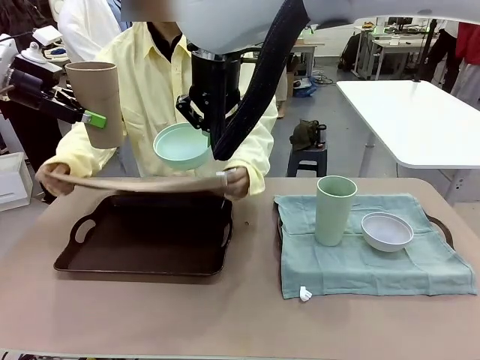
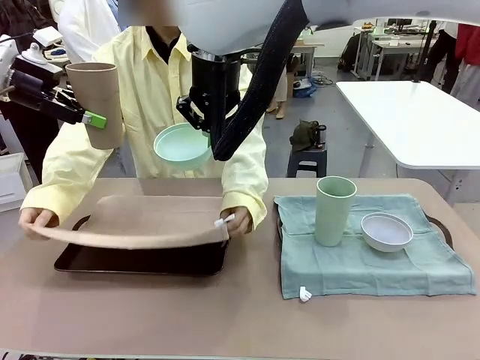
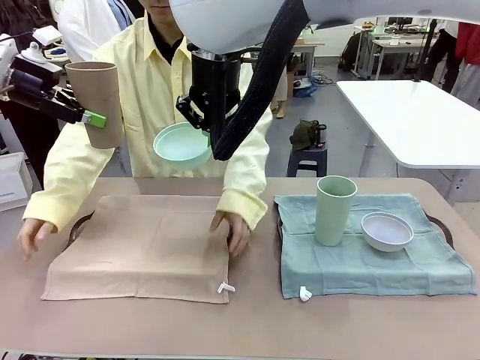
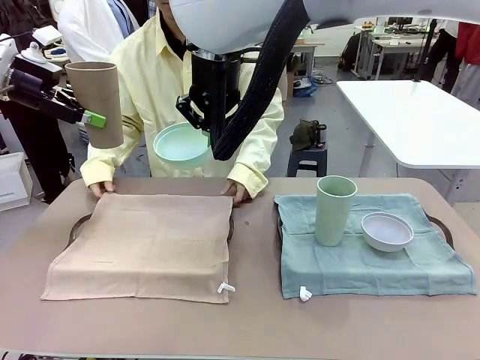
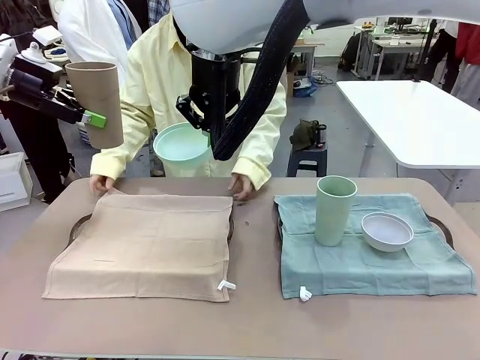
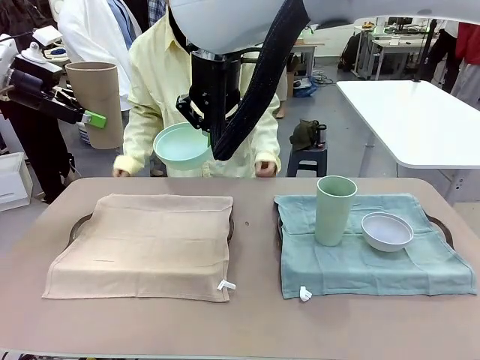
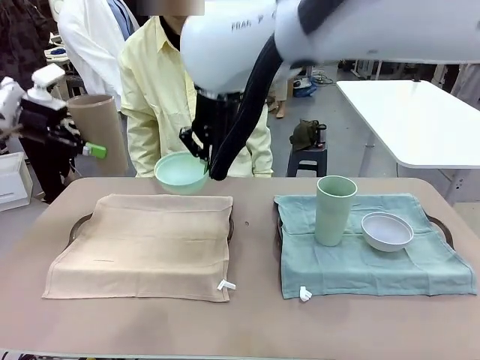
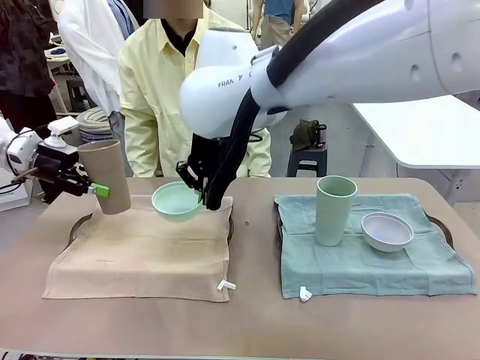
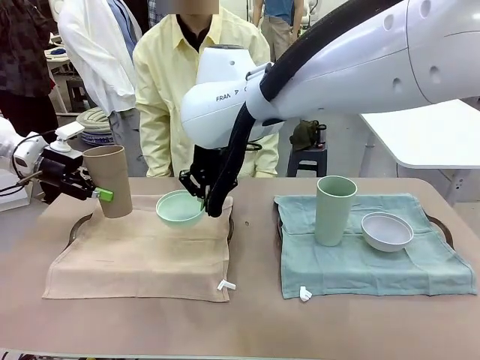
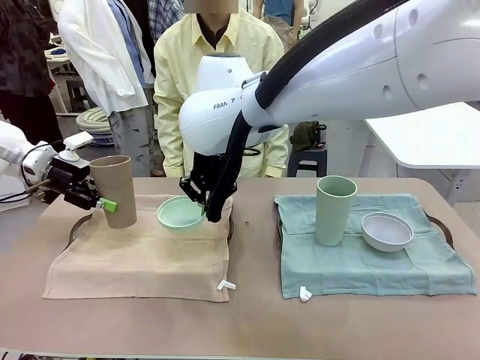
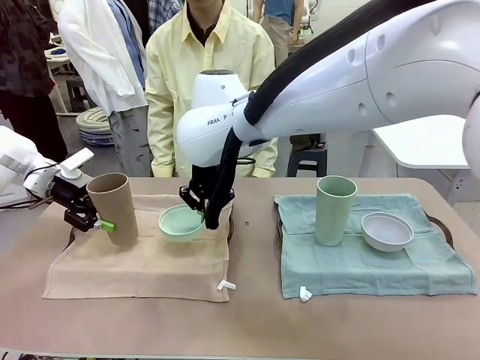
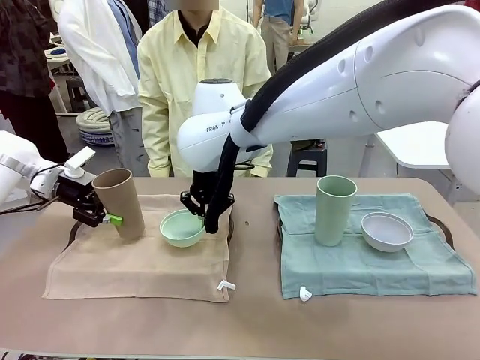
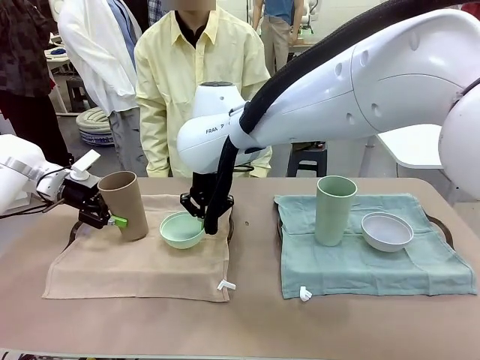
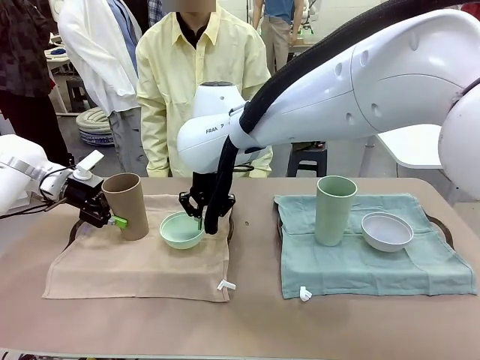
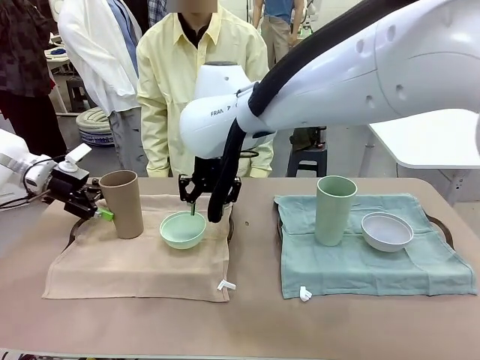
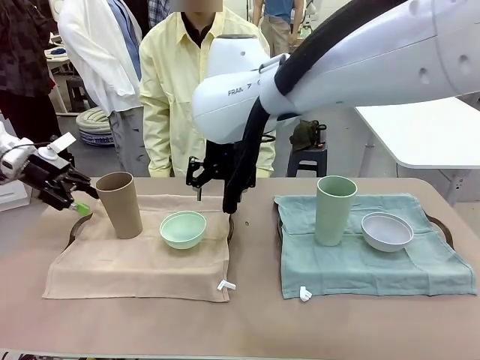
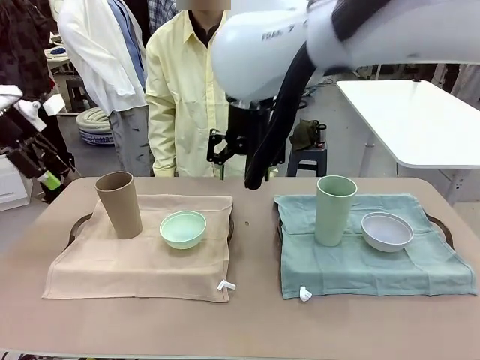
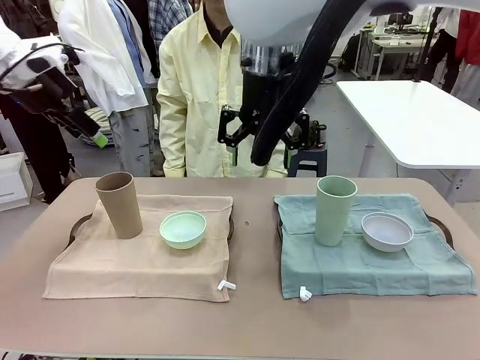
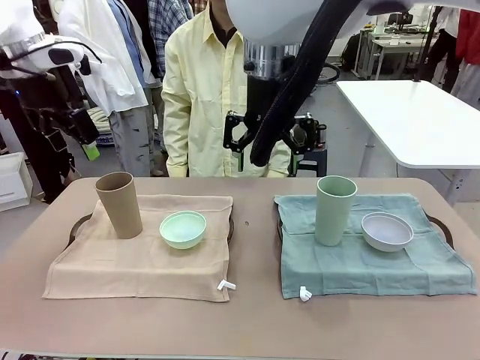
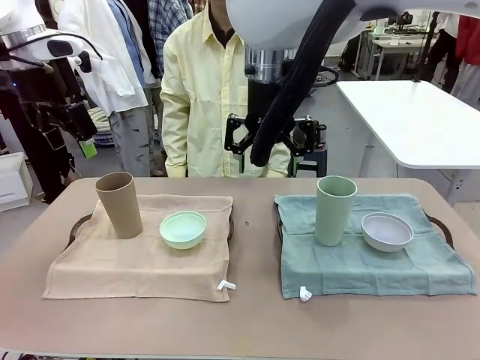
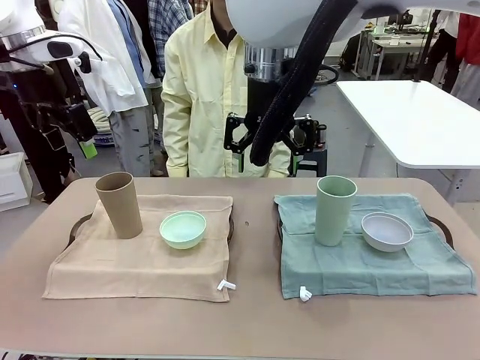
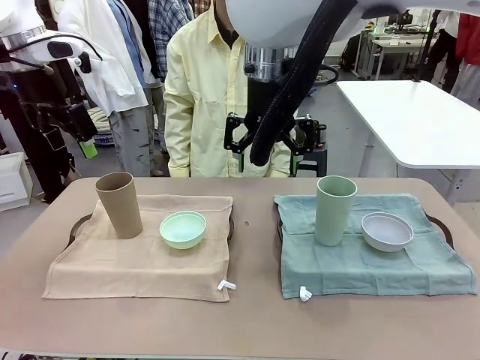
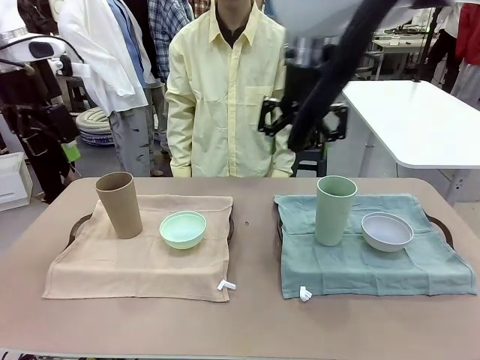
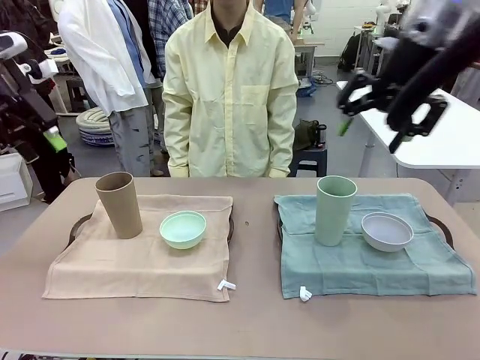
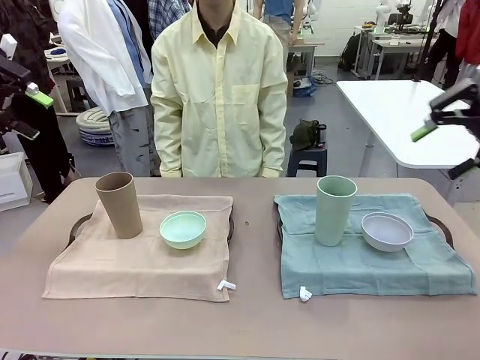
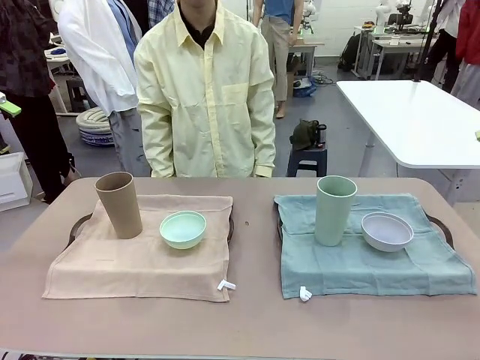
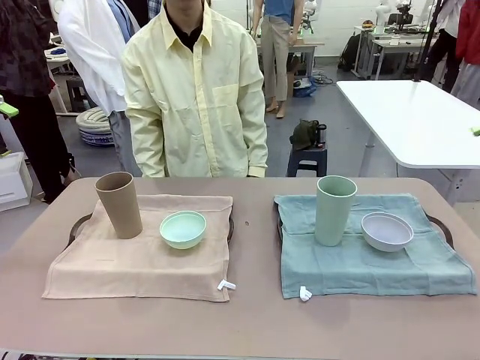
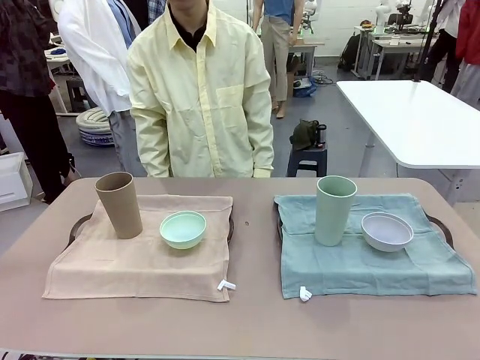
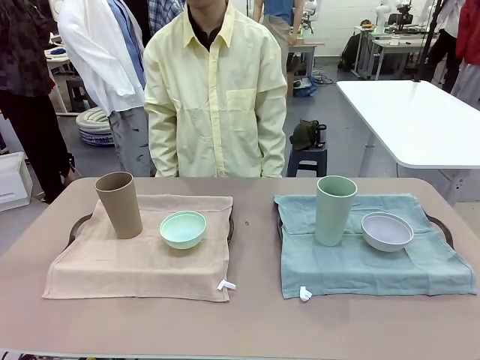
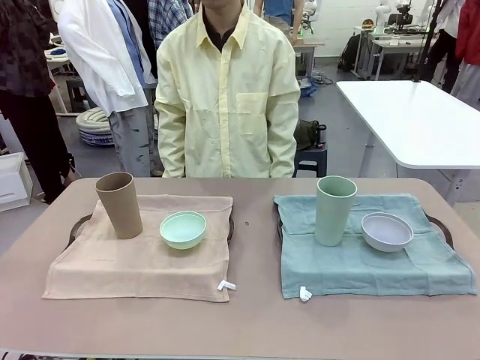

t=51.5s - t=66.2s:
Robot: Place the Picnic Bowl and Reusable plastic cup back onto the Handle tray in front of the human's position.

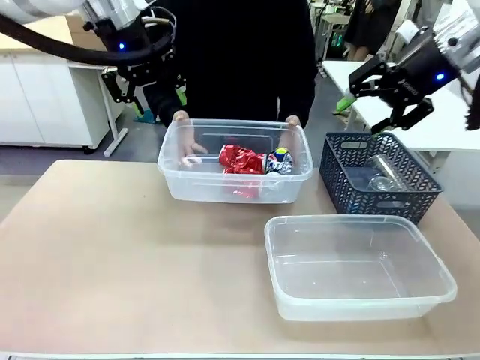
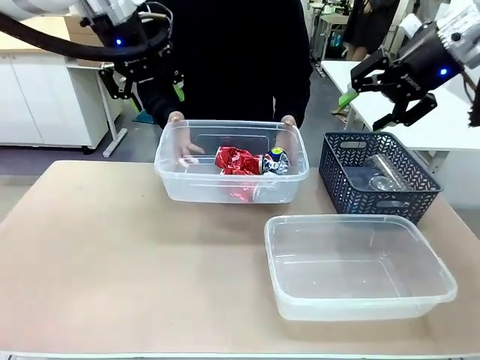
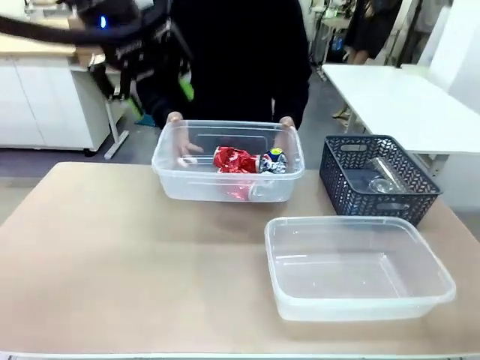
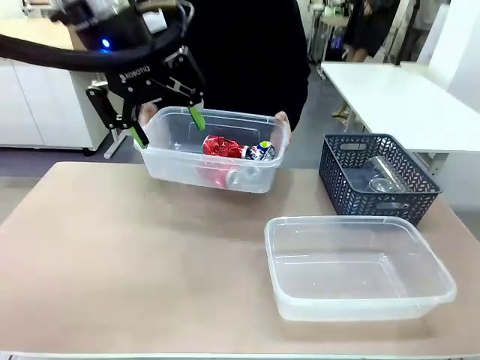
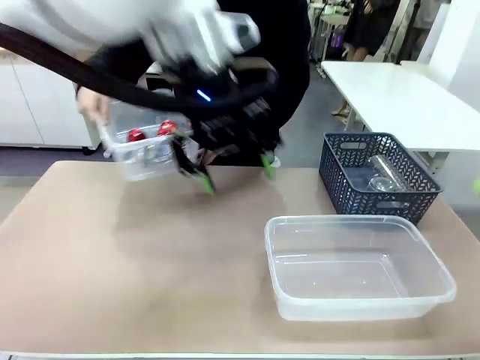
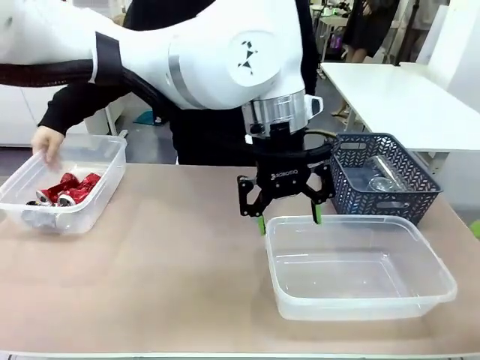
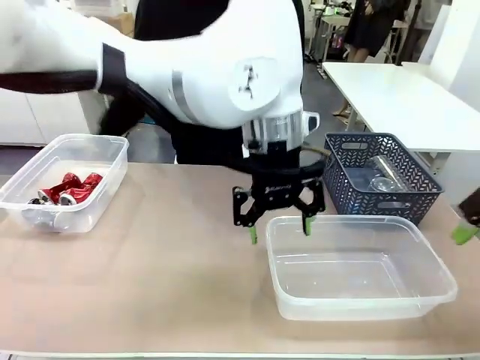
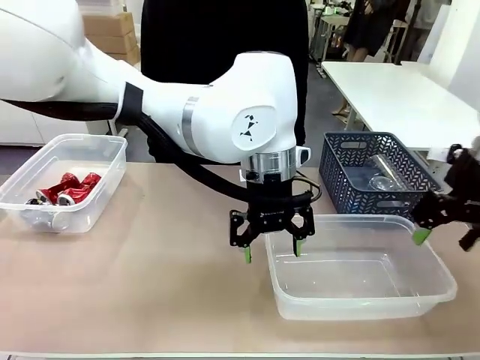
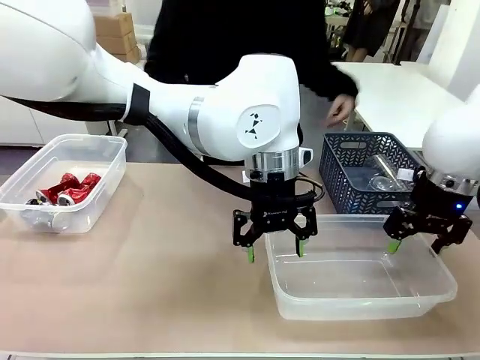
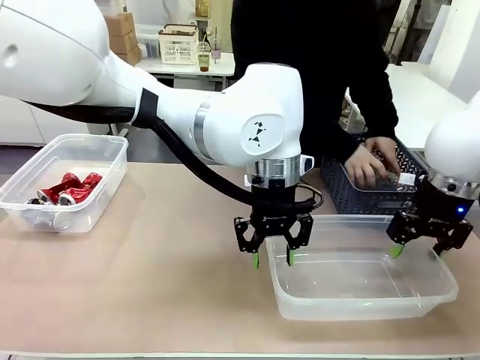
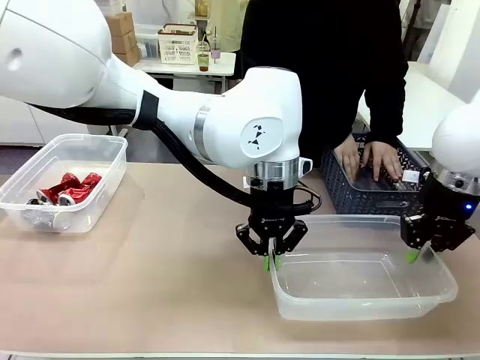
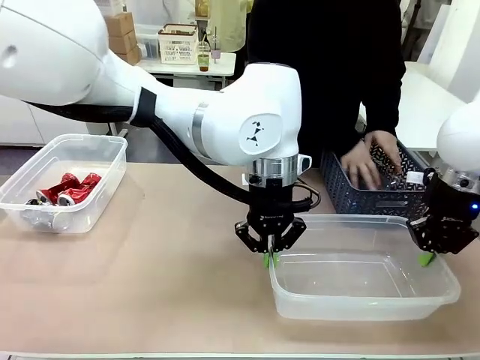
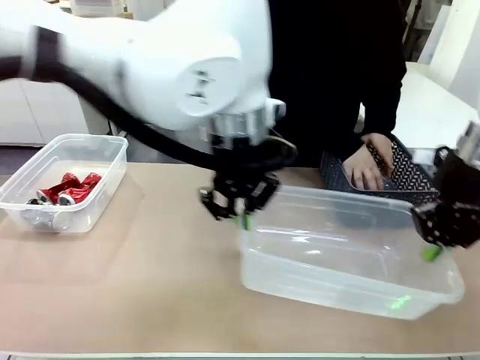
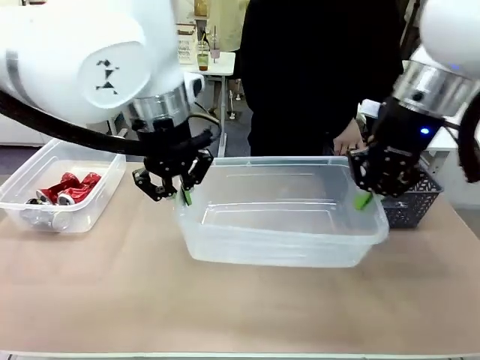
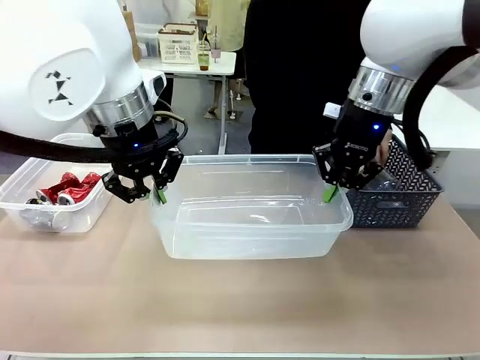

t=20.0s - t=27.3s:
Robot: Pick up the Organizing box on the right side of the table and lift it.
Person: Place it at the edge of the bottom right area of the robot table.

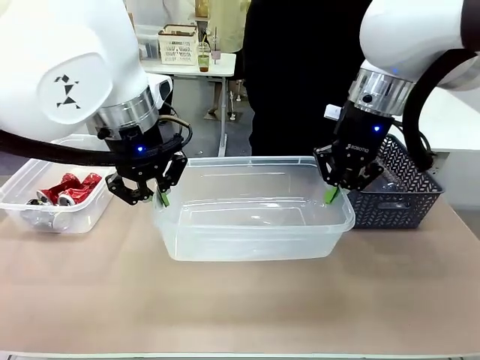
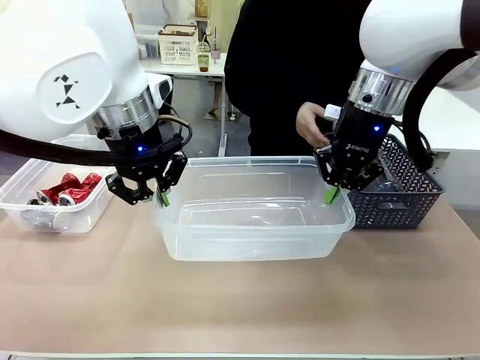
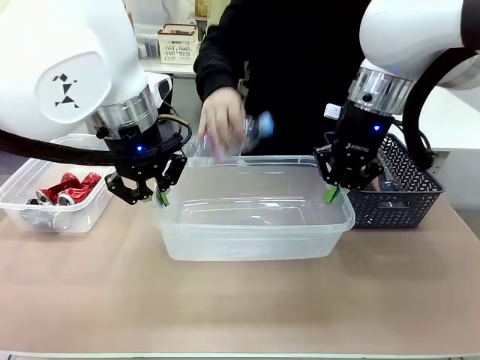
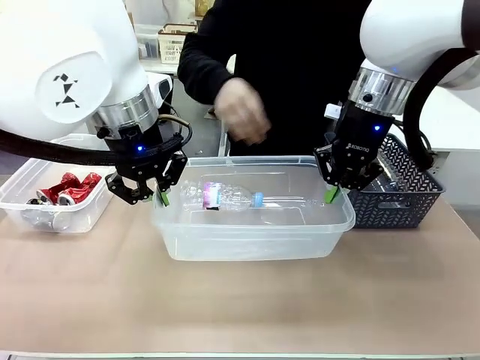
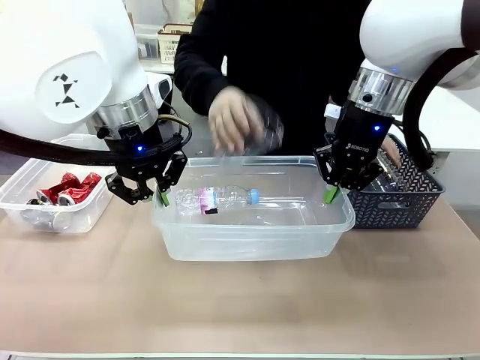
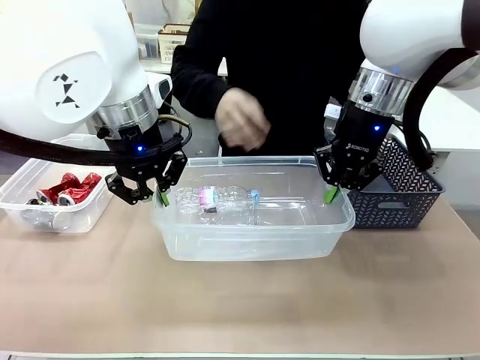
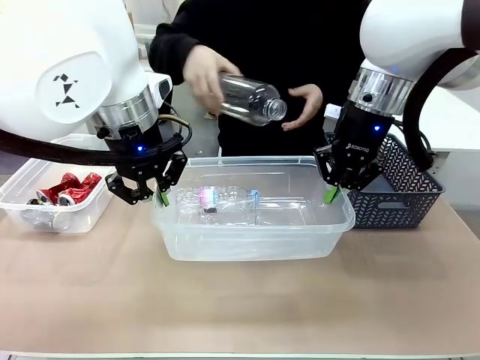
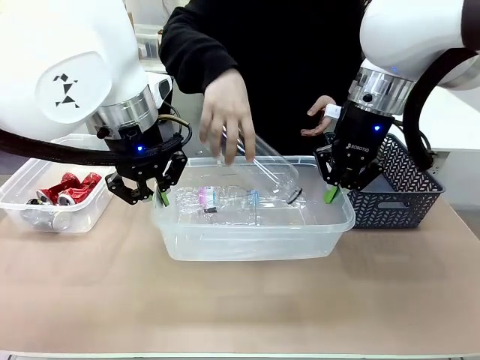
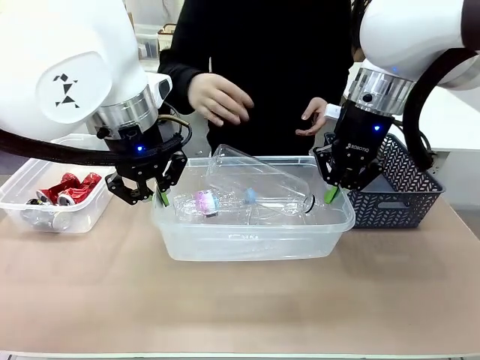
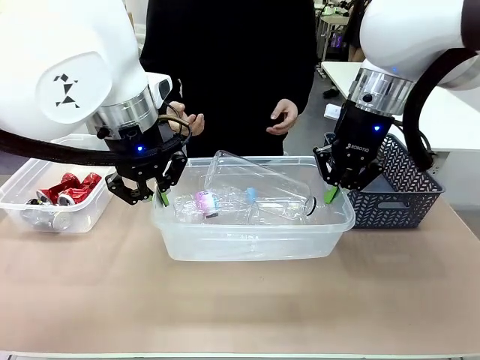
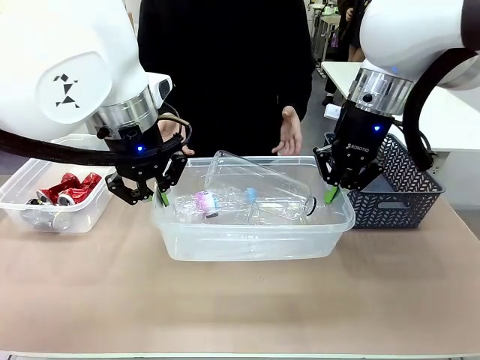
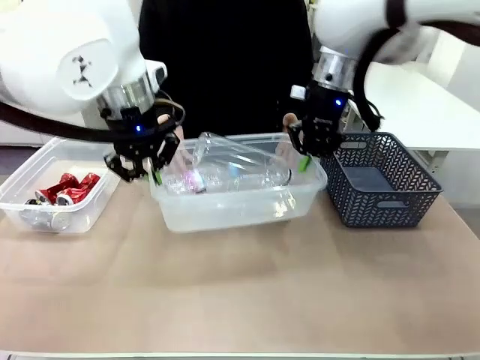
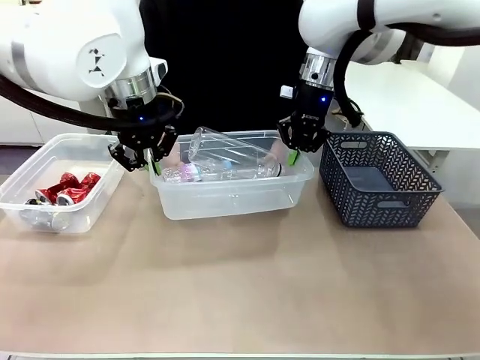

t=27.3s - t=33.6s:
Robot: Offer the picked Organizing box to the human.
Person: Pick up plastic waste one by one and place it into the organizing box lifted by the robot.
